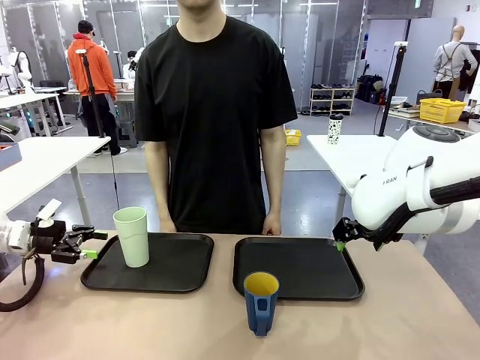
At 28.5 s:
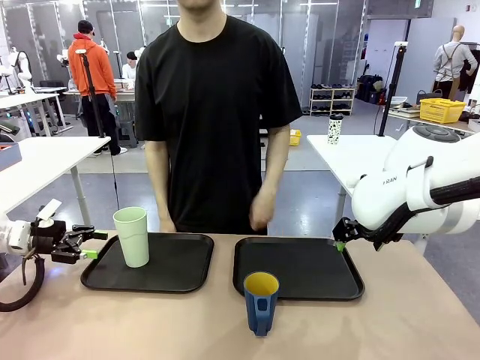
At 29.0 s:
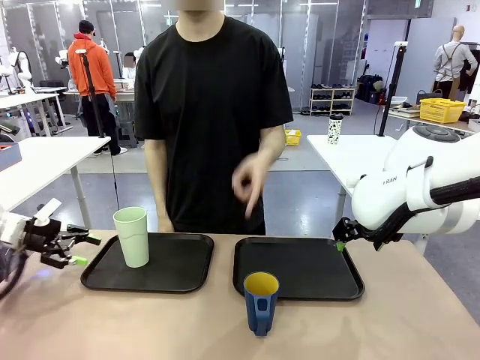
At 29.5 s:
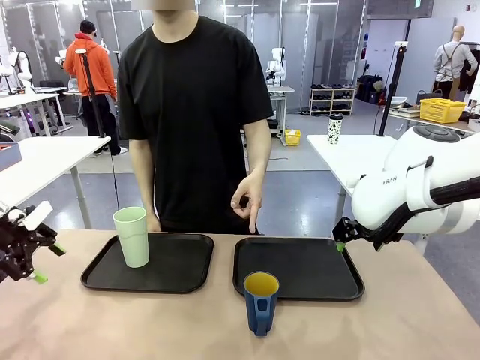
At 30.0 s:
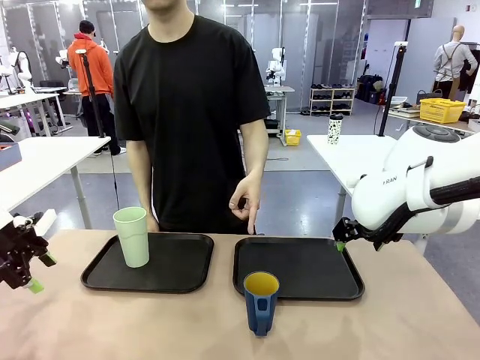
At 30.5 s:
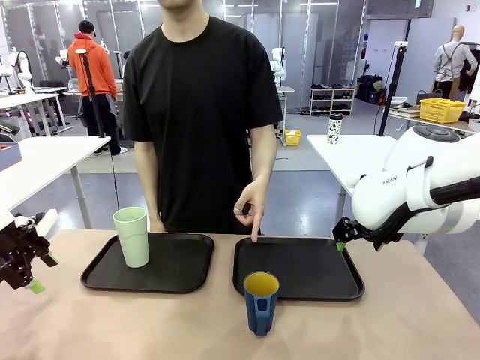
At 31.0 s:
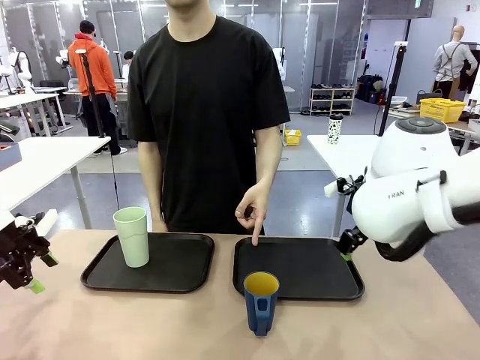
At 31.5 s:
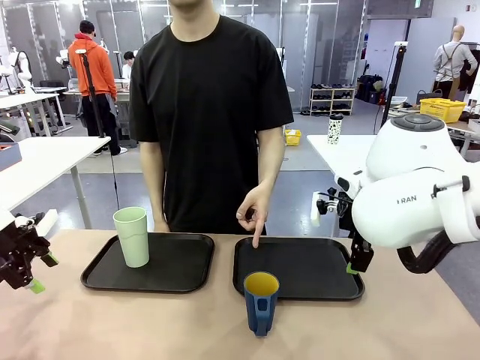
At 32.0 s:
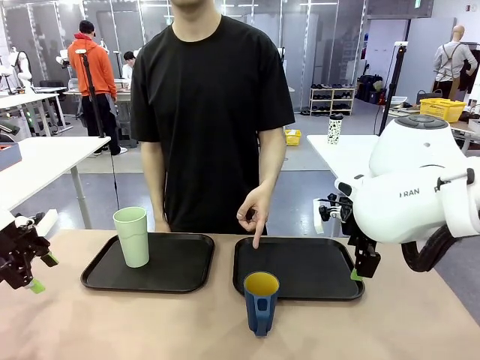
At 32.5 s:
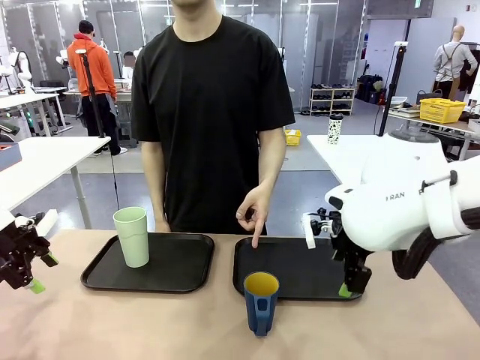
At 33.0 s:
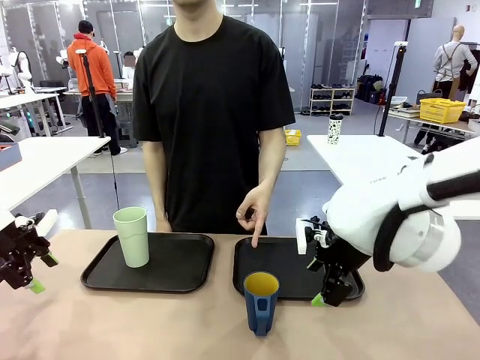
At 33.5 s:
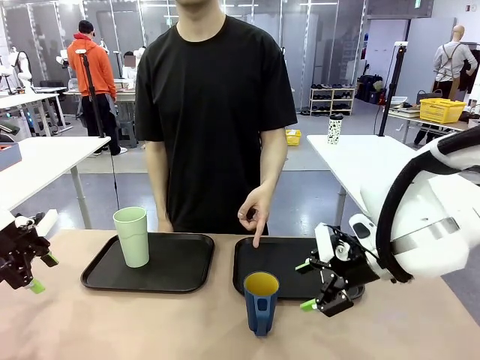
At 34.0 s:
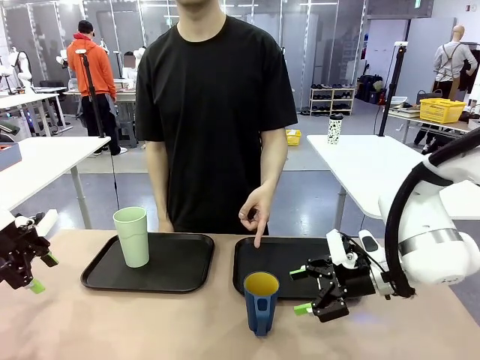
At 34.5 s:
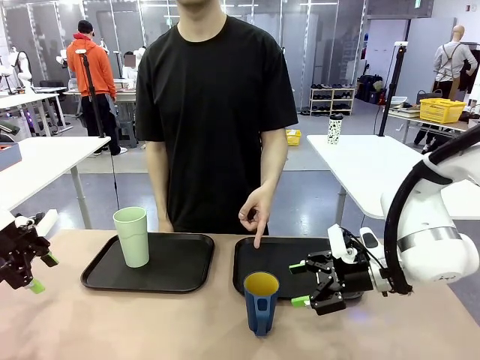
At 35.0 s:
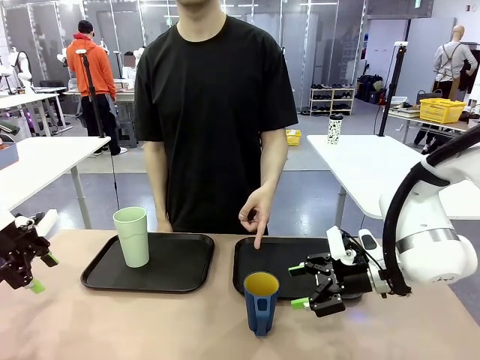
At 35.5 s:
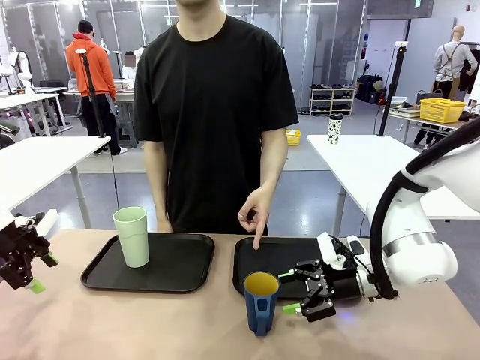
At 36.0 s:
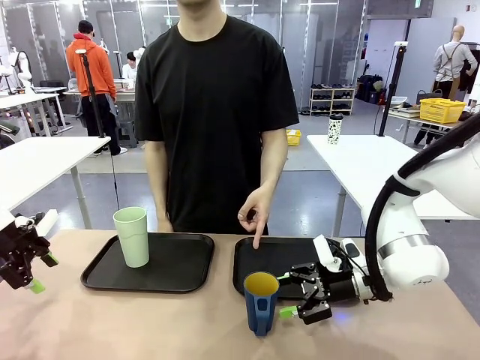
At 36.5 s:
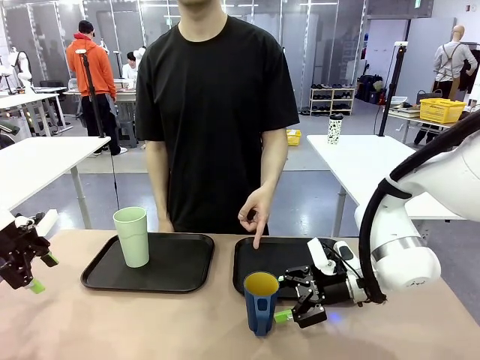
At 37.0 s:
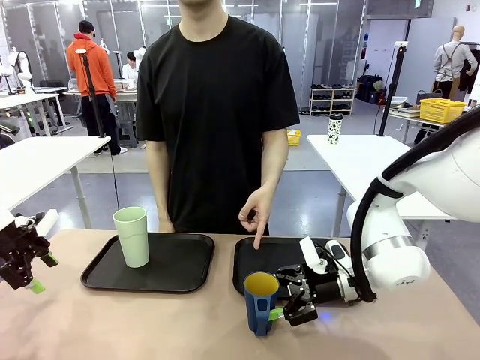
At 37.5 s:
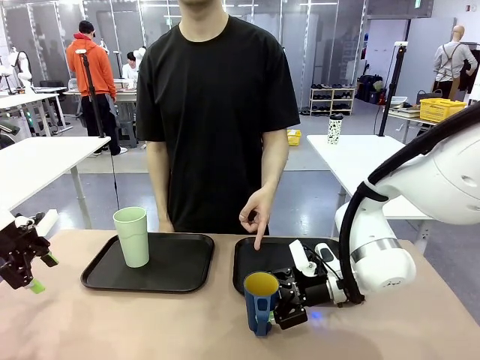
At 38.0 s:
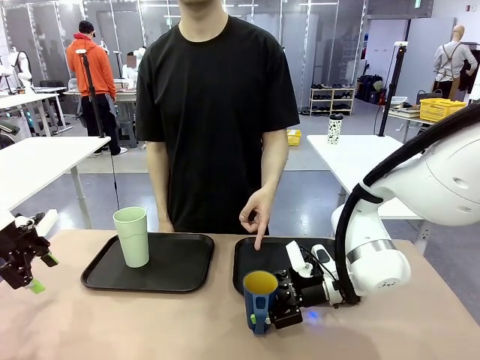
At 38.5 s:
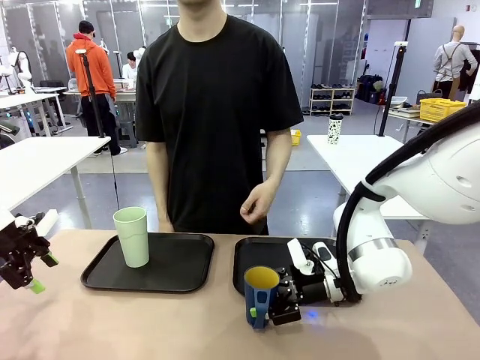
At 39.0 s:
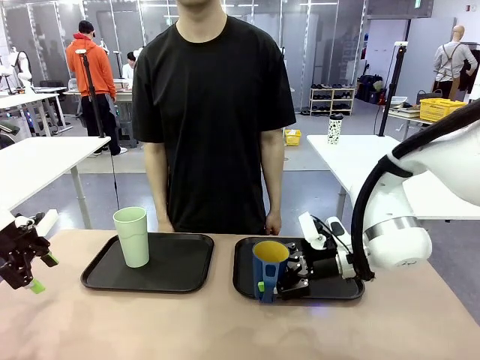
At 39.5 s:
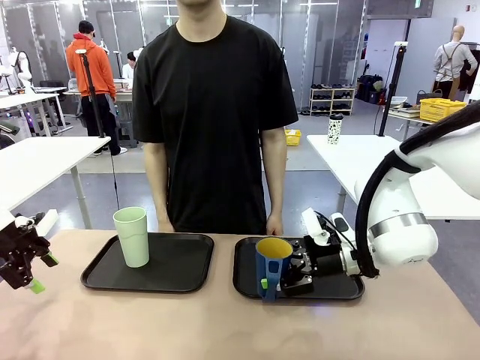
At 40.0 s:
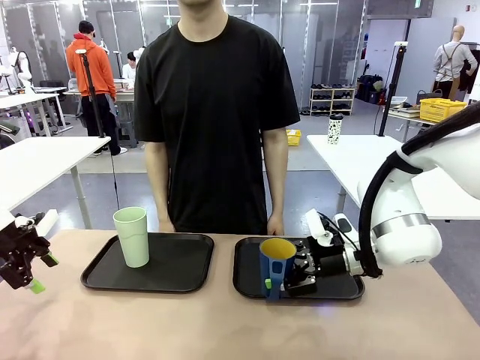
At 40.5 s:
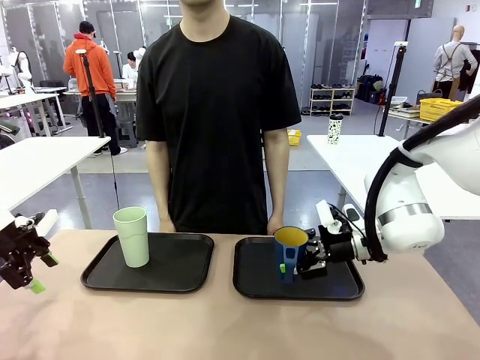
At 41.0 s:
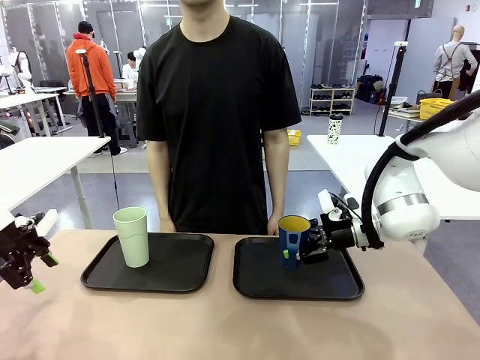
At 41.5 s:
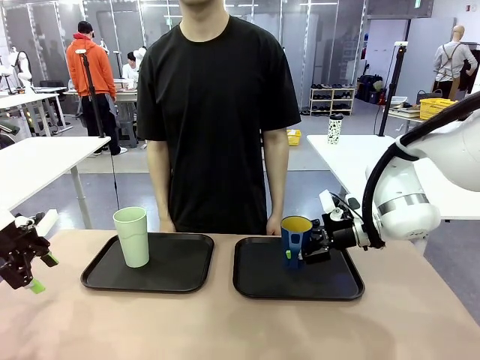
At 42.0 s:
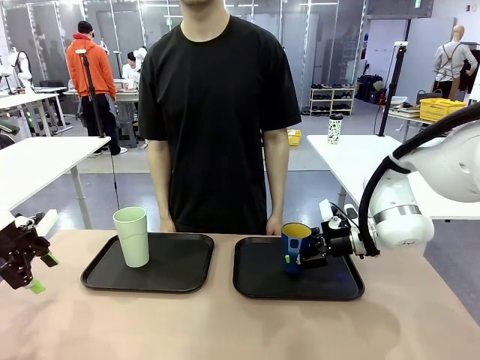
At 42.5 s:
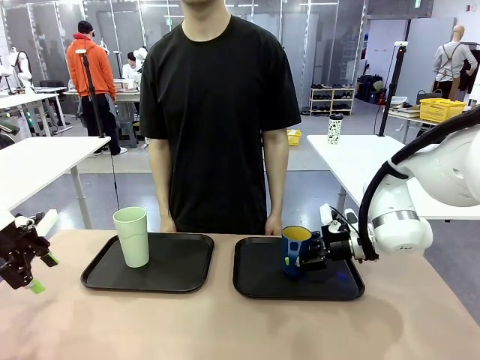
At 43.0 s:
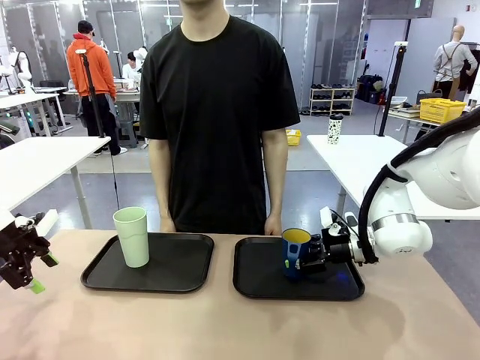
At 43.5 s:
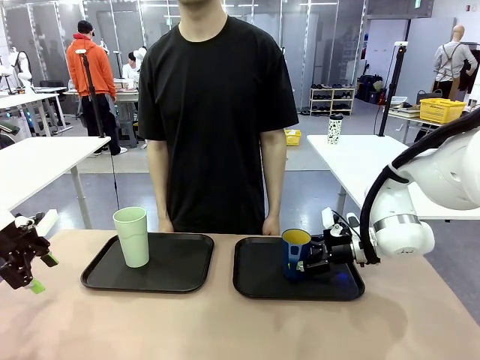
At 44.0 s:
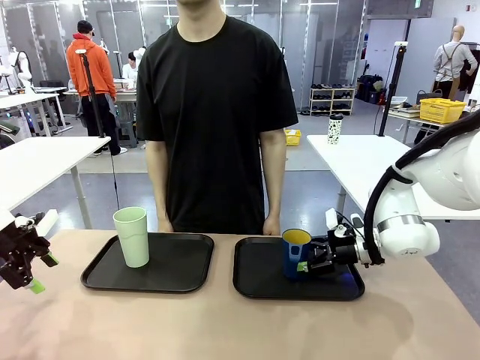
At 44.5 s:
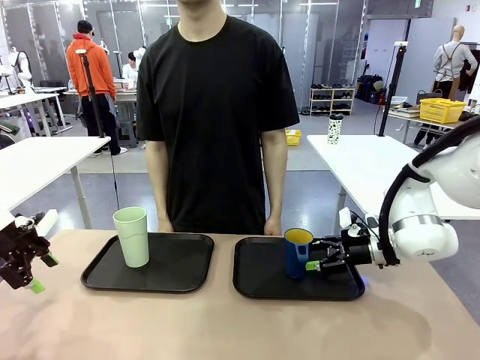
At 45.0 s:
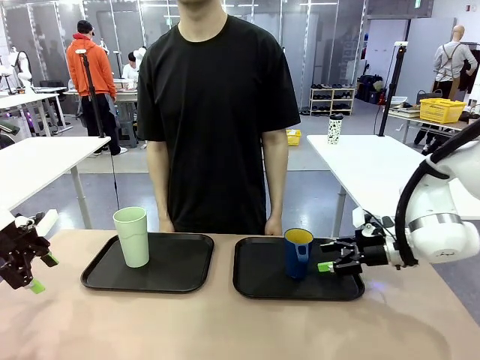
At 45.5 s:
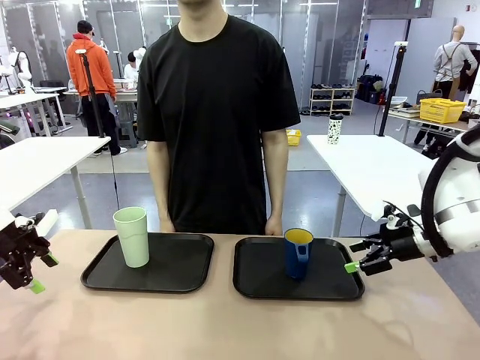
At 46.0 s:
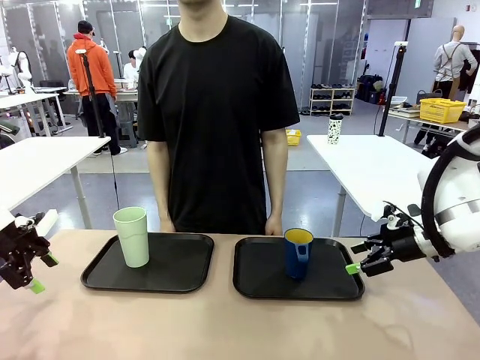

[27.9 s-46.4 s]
Task: Sort and store the cups by type.
Robot: Pick up the Handle plastic cup and place it into the empty Flat Tray.
Person: Points to the cup with a handle.
